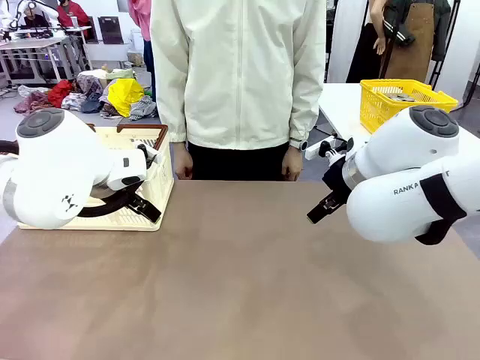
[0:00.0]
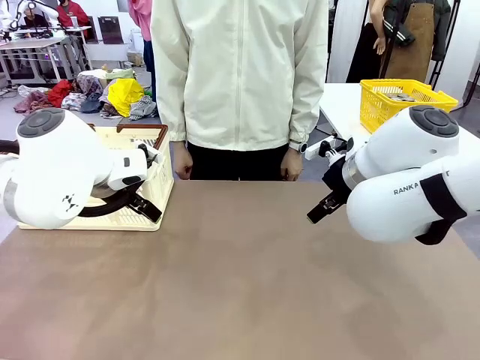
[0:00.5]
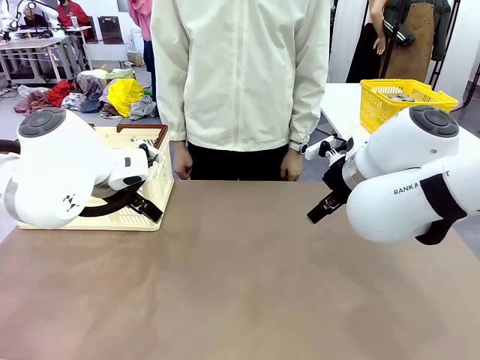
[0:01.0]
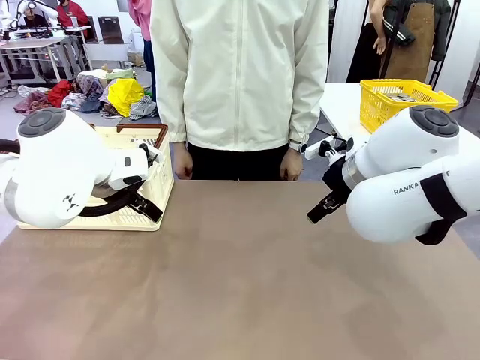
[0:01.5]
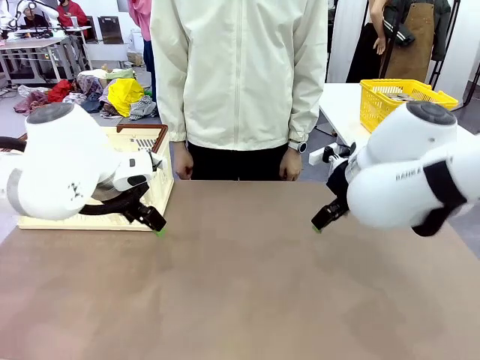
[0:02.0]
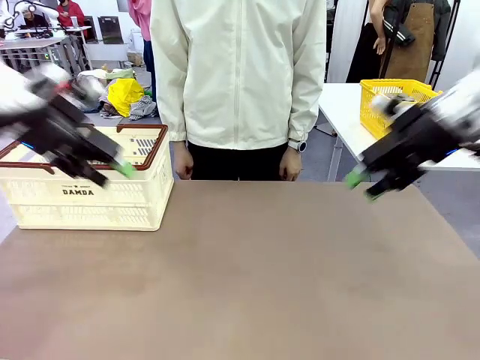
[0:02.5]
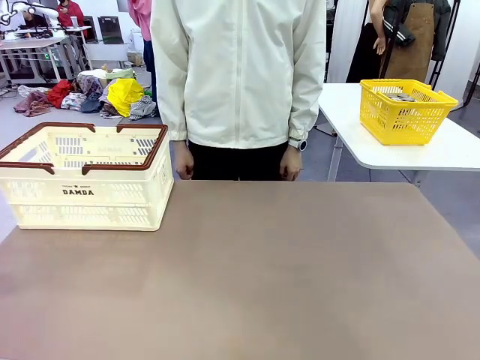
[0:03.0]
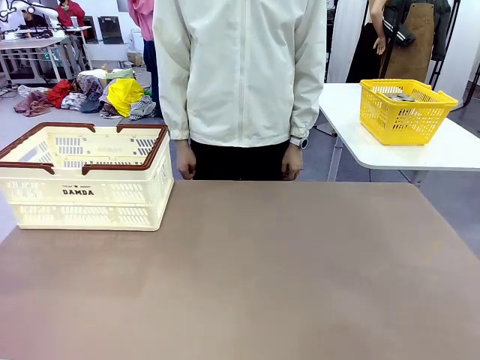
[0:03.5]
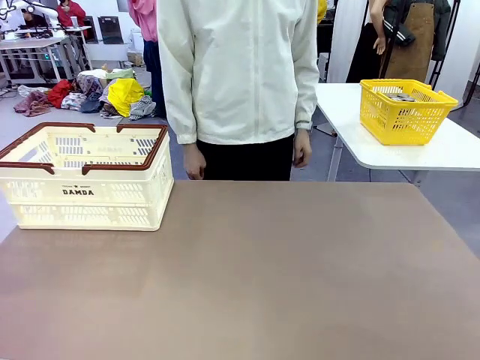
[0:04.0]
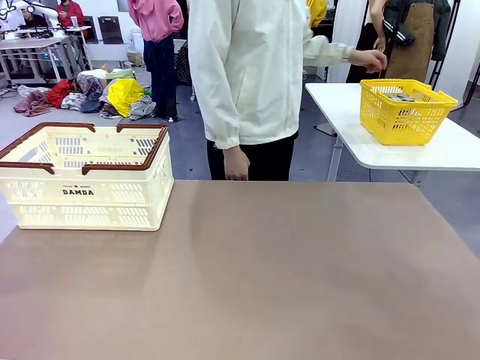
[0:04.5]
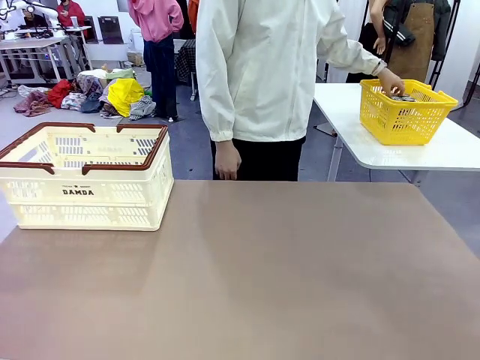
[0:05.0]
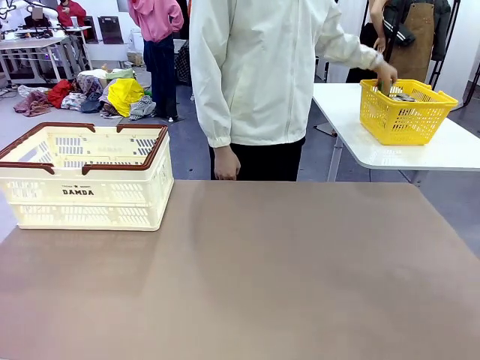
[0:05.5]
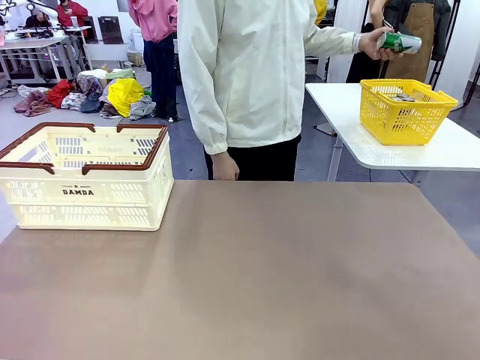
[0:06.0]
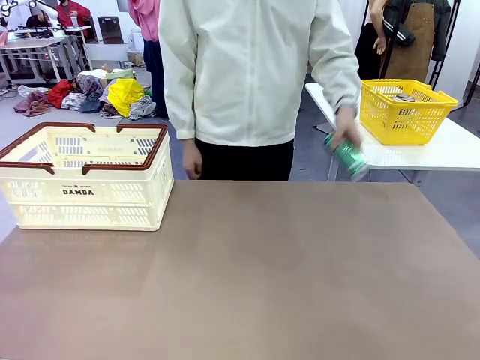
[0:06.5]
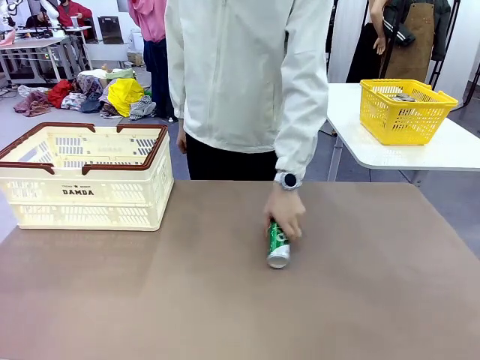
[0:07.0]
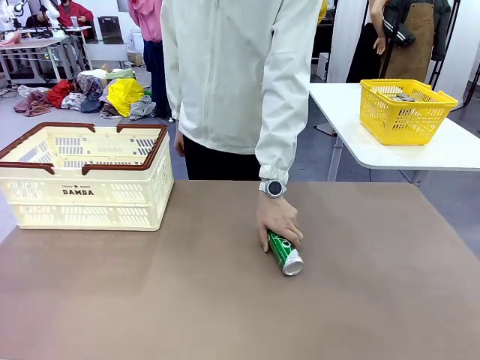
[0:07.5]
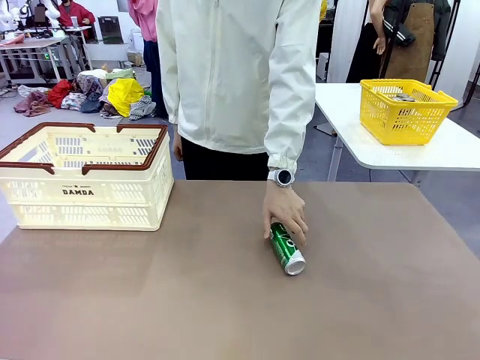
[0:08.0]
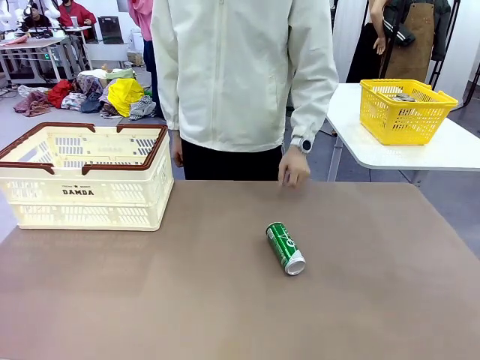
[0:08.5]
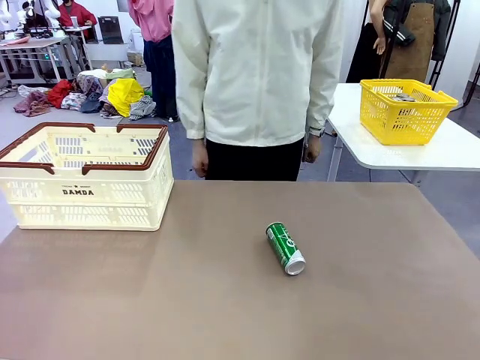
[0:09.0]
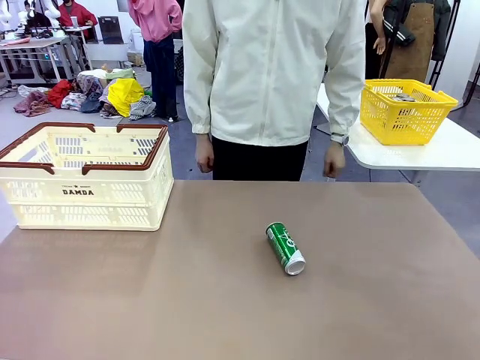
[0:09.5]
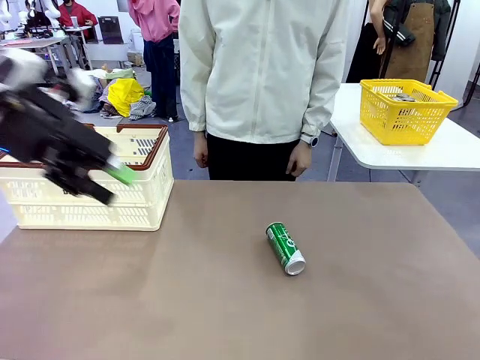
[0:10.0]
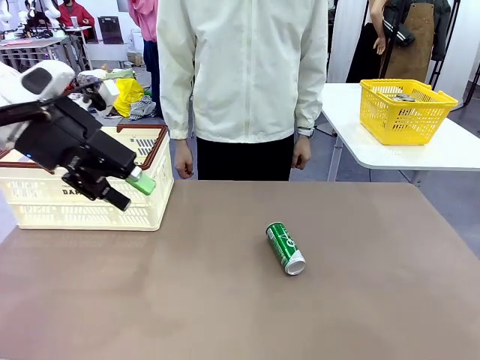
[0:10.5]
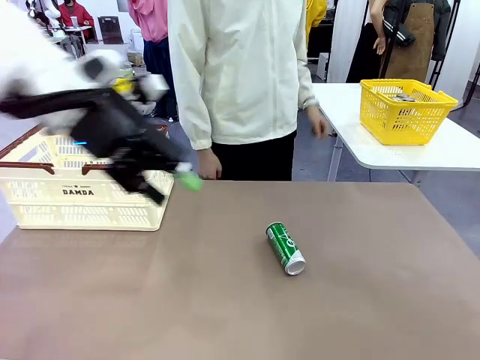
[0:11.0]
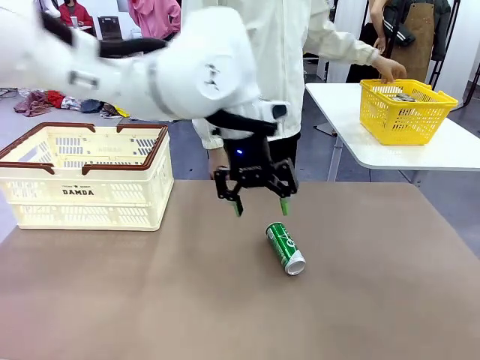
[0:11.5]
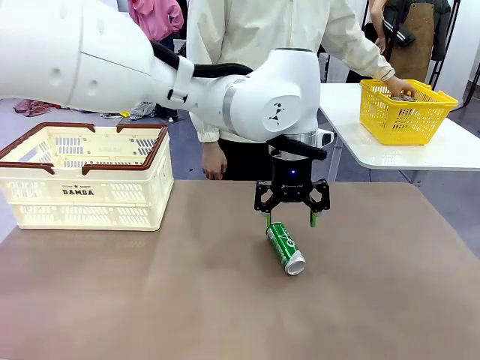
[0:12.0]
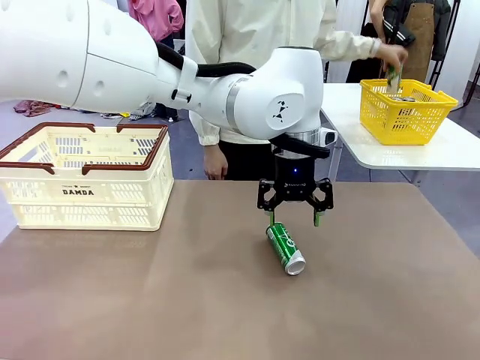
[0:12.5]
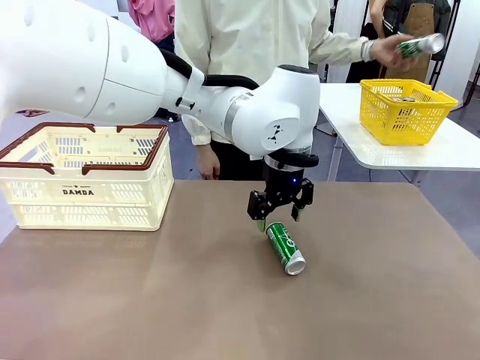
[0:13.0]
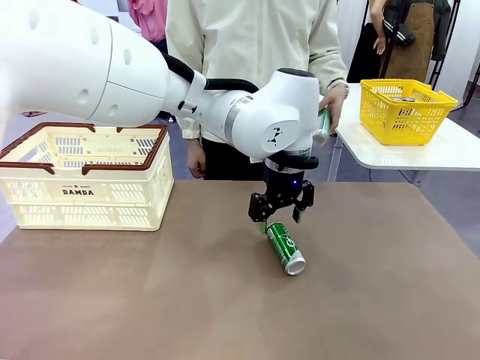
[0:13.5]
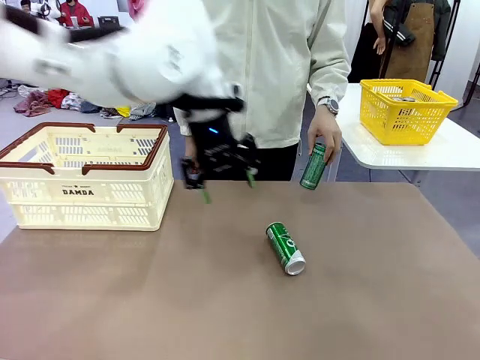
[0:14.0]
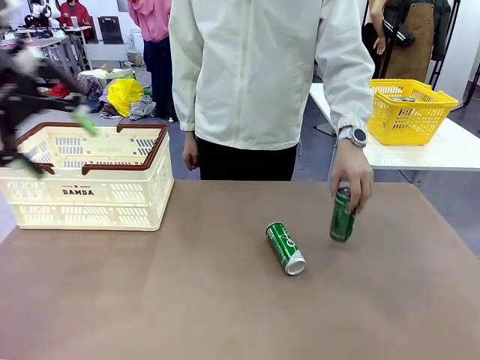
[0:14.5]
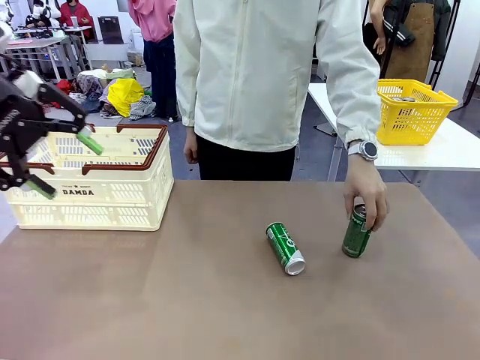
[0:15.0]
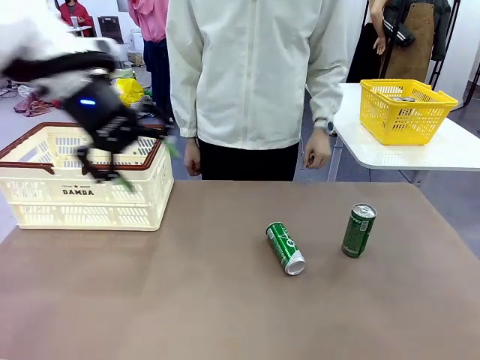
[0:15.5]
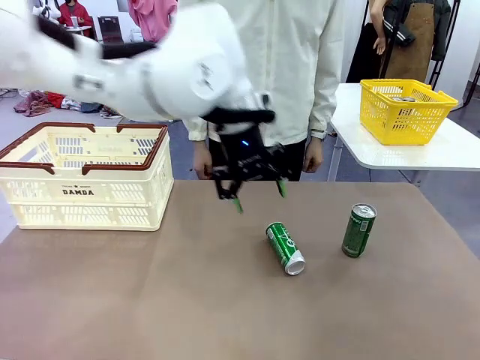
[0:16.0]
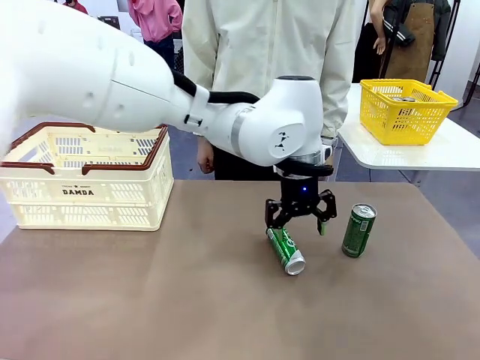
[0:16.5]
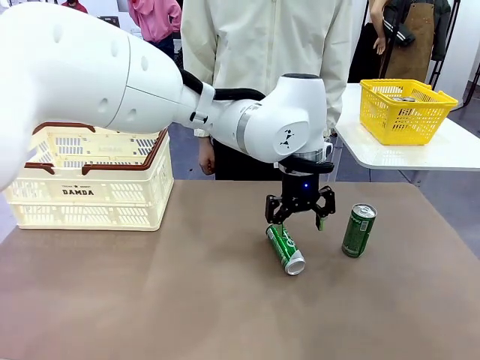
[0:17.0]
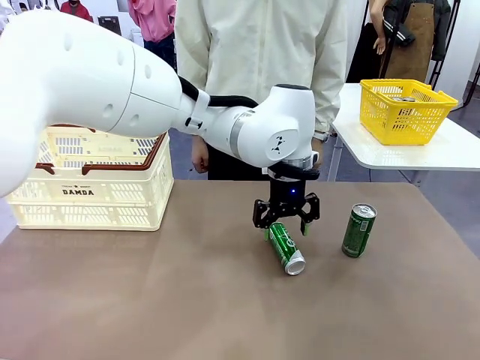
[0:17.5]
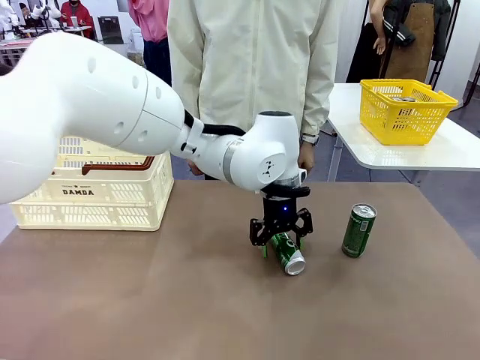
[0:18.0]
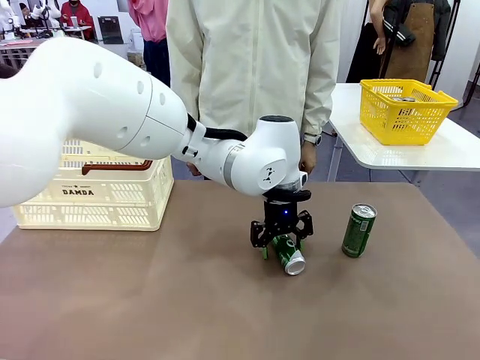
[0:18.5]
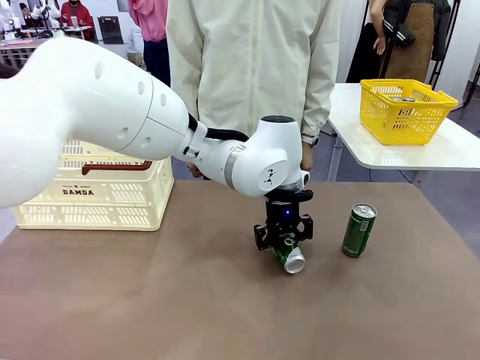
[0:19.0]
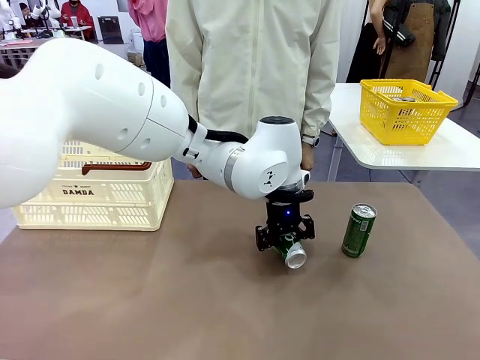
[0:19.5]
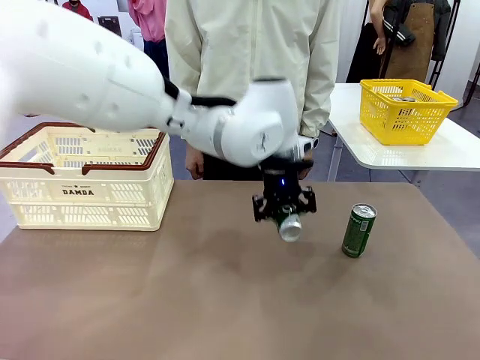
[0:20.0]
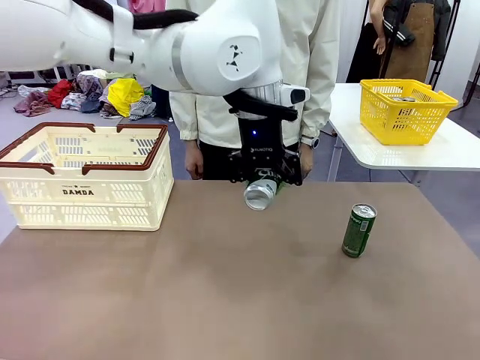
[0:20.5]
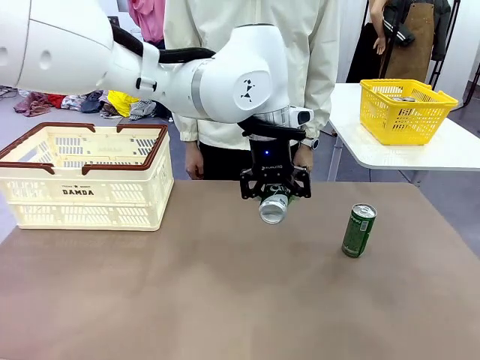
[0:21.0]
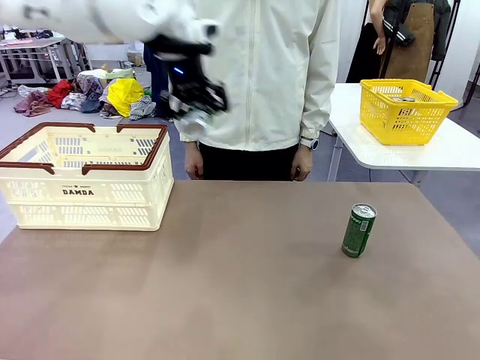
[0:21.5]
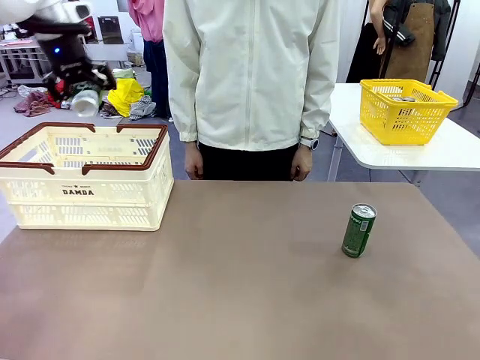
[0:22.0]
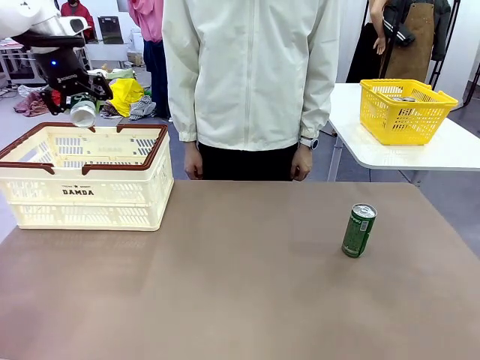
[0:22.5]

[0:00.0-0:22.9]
Task: Place the drinks into the Shopping basket.
Robot: Pick up one drink and place it into the Shopping basket.
